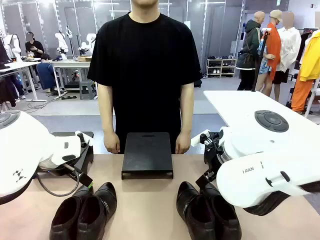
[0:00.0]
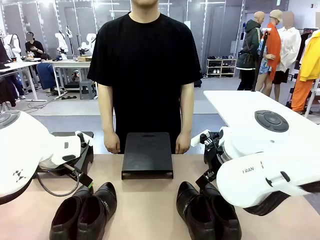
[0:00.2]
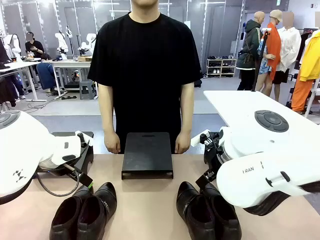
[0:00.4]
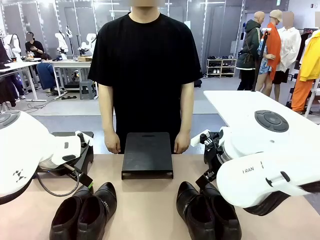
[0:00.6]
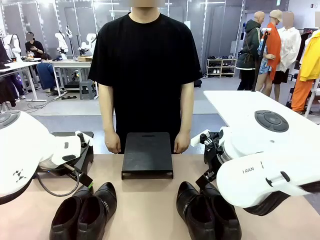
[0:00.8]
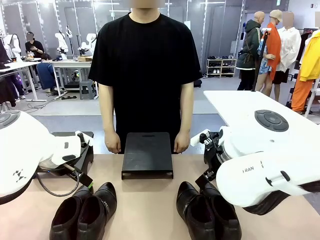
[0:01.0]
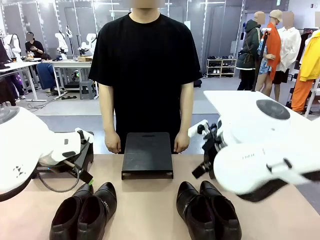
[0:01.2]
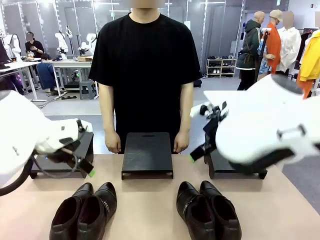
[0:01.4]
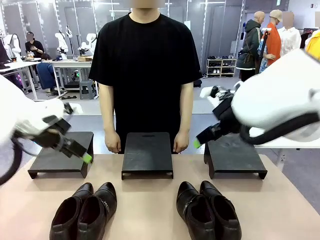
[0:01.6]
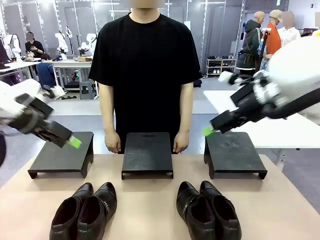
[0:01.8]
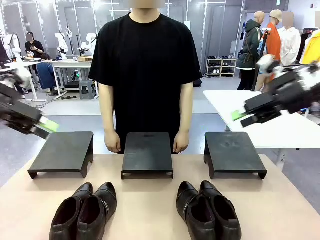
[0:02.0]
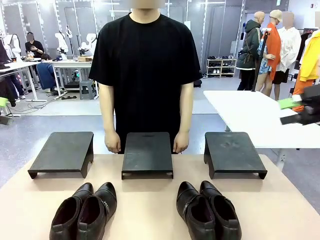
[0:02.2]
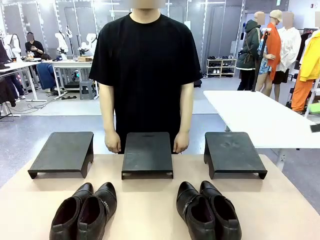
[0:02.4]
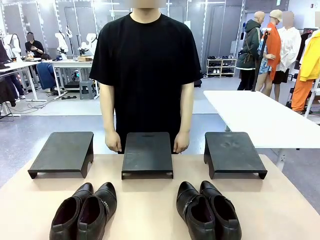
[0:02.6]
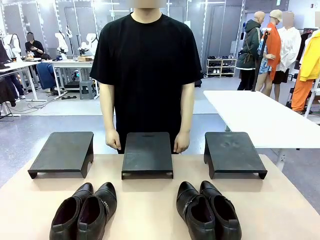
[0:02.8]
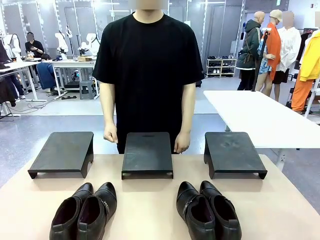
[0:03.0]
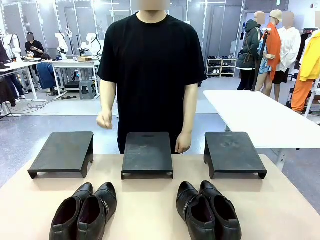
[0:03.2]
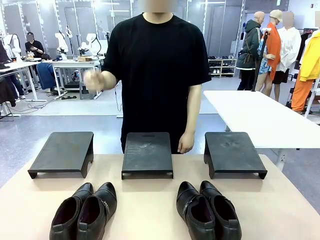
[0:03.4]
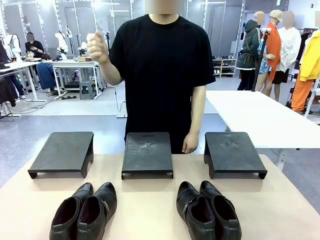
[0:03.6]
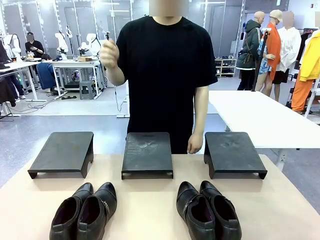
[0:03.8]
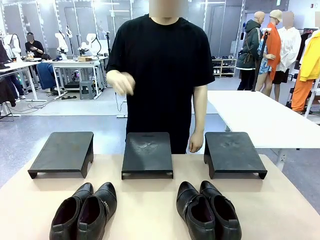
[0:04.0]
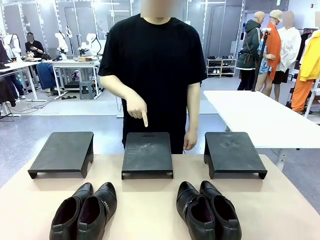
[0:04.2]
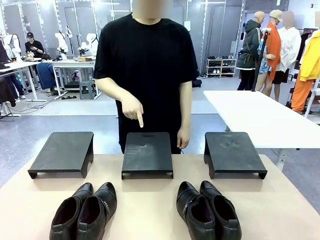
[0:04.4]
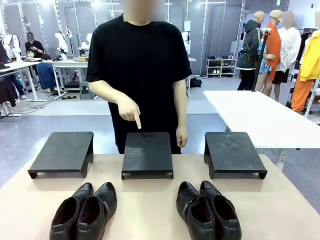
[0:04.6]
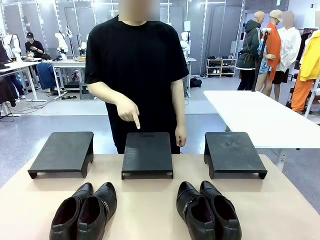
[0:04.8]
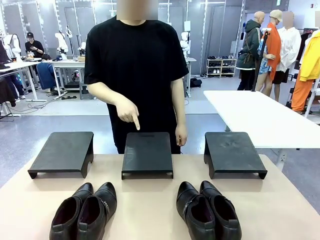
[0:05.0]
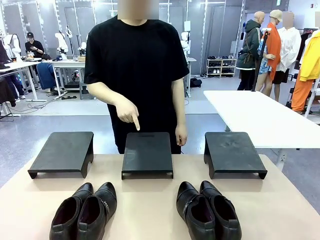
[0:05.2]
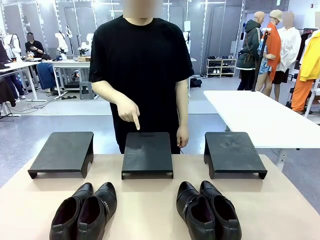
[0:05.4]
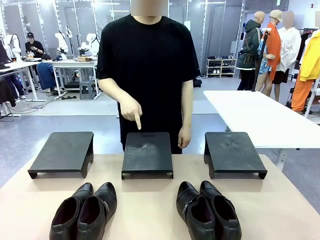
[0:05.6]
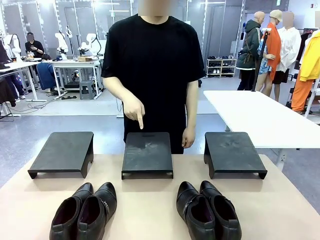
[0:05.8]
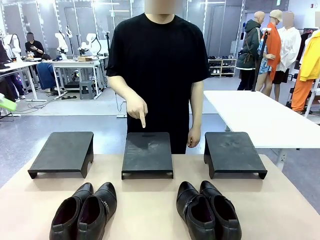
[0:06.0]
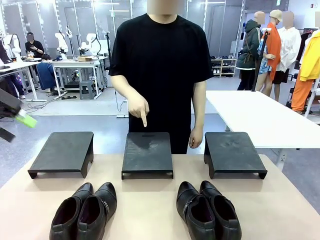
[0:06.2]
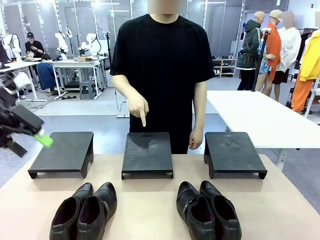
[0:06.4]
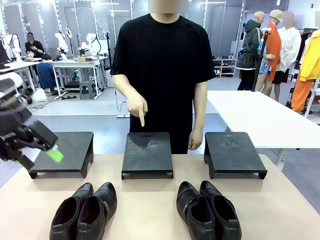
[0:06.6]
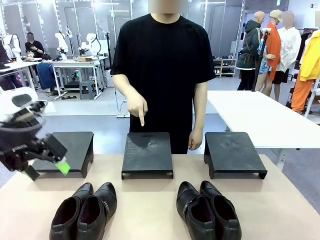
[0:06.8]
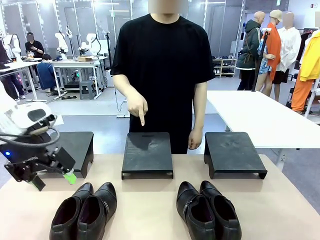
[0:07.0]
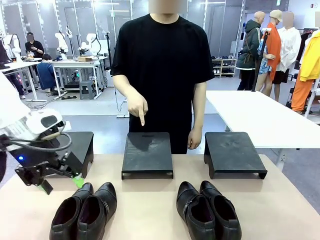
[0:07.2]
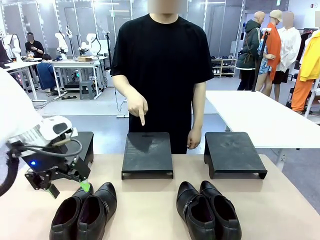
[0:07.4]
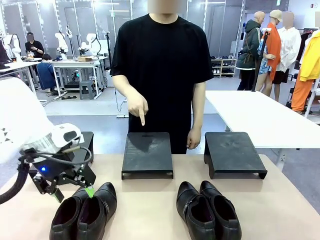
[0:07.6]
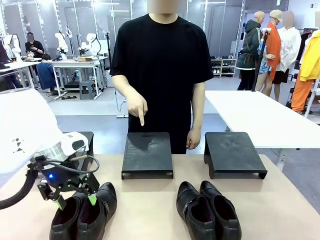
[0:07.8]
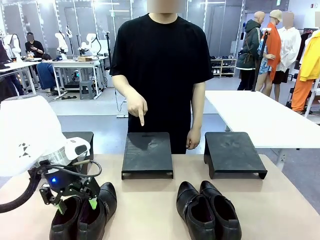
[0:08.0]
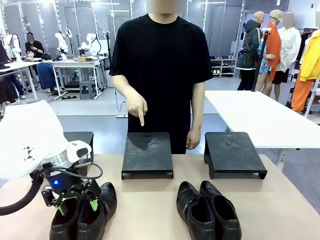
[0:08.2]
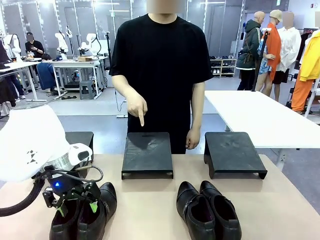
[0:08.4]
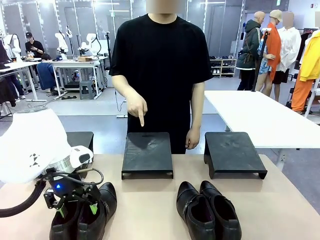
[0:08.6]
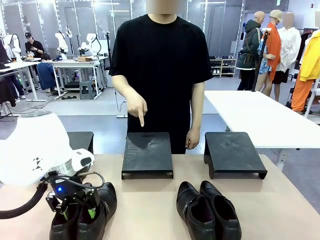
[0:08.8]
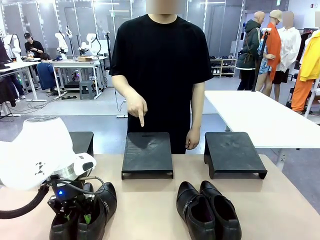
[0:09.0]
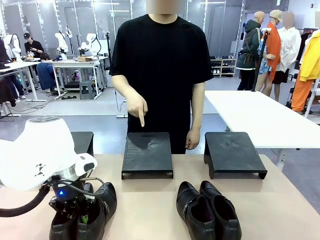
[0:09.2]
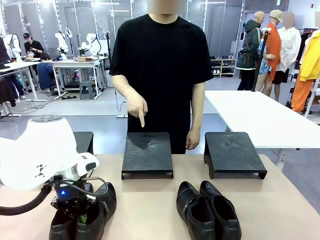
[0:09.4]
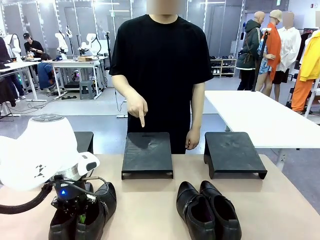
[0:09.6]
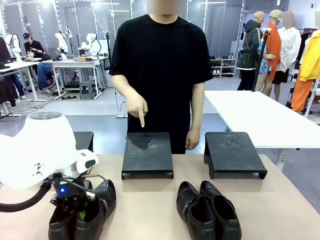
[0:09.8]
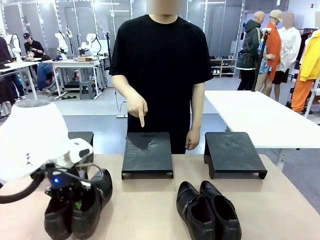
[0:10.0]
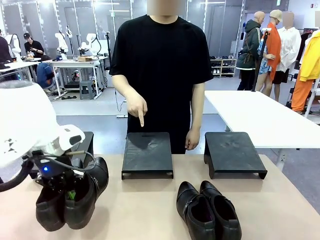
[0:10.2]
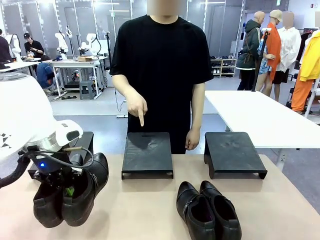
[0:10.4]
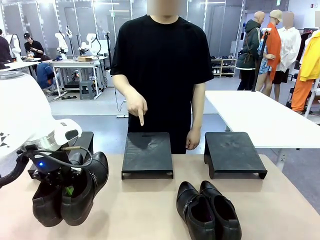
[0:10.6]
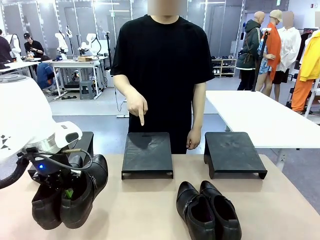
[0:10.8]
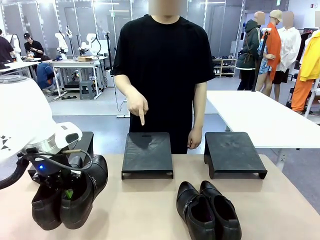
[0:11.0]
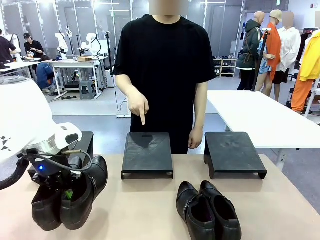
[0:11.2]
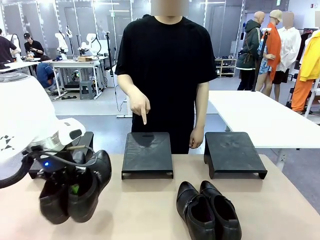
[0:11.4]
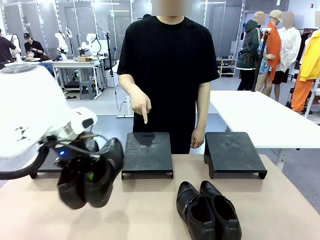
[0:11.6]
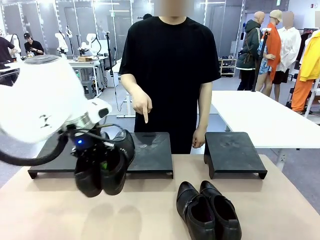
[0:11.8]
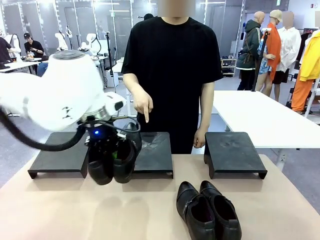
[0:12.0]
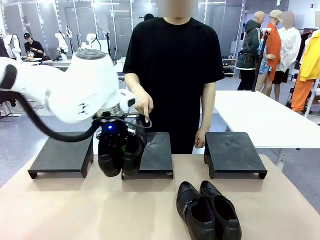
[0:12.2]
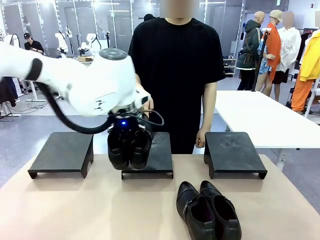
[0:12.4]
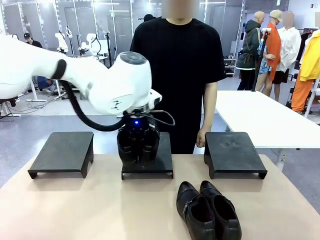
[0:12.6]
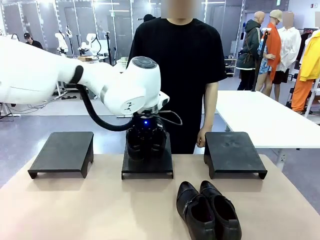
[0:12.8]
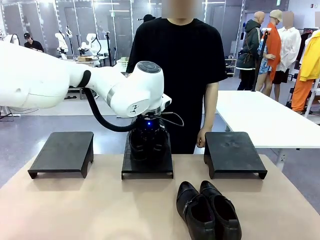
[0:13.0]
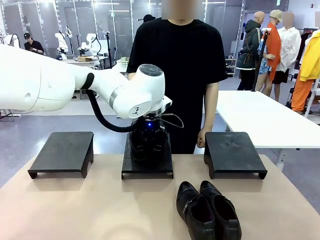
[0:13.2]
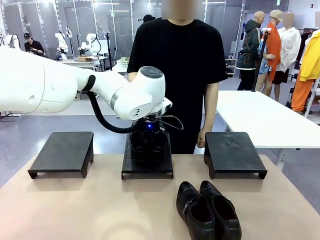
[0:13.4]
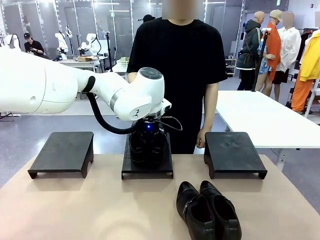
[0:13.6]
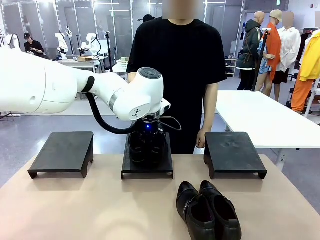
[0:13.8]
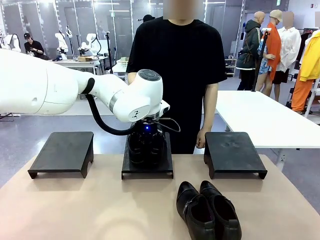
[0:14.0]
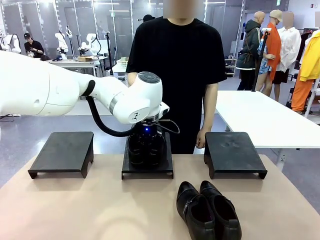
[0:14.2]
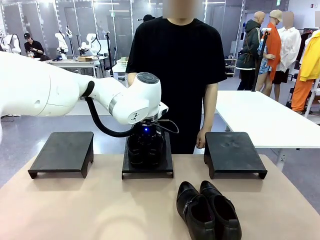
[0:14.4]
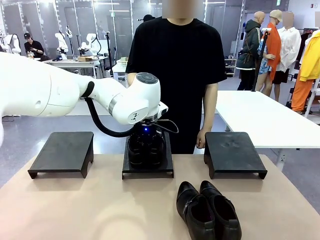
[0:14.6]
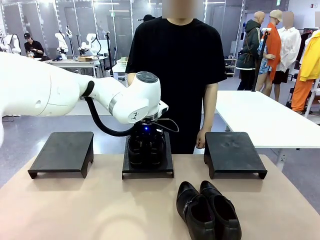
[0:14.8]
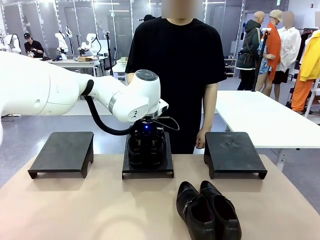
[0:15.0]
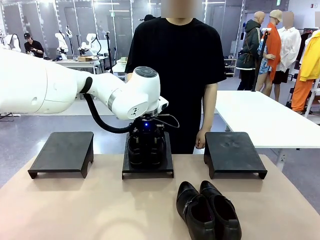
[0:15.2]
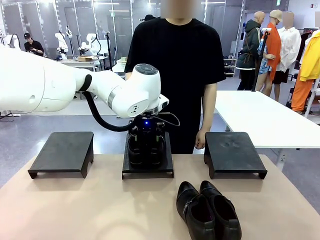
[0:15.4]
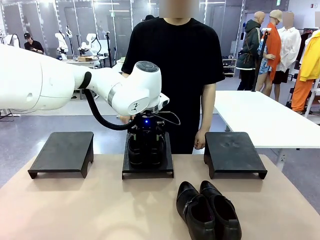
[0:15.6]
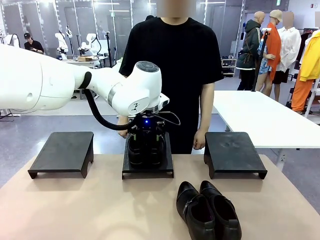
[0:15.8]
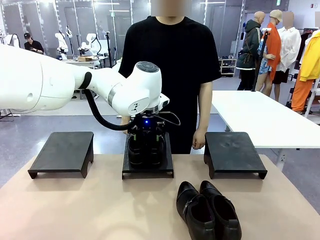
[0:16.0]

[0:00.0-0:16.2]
Task: Place the shoes on the stand as instructed by the person.
Robot: Pick up one pair of Shoes and place it on the Shoes Stand indicated by the person.
